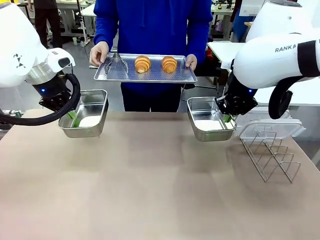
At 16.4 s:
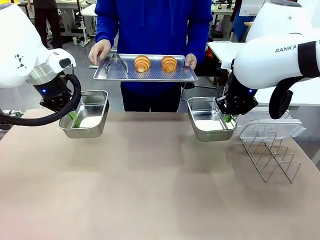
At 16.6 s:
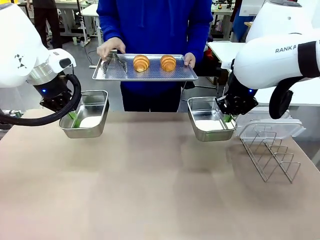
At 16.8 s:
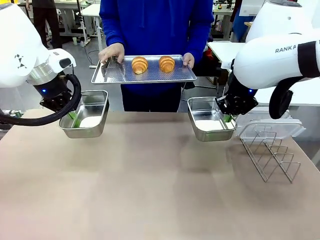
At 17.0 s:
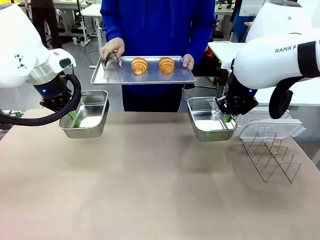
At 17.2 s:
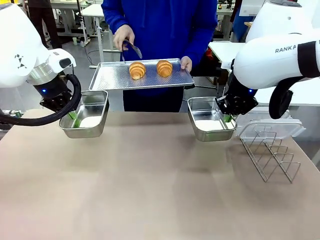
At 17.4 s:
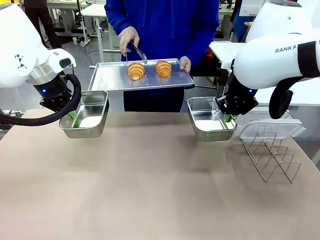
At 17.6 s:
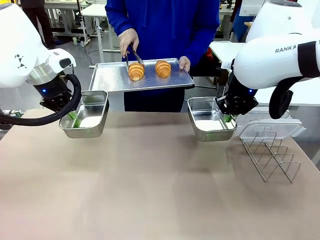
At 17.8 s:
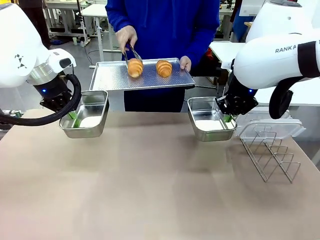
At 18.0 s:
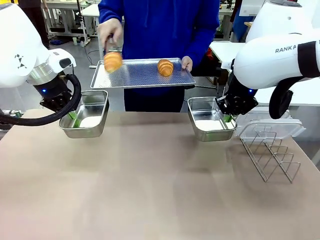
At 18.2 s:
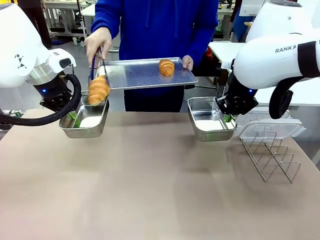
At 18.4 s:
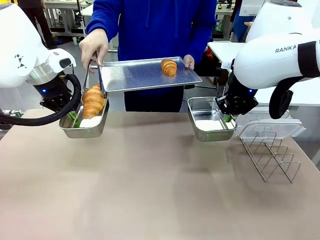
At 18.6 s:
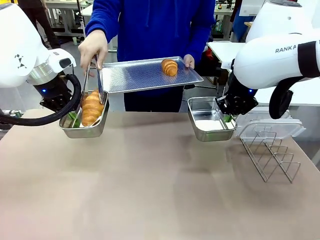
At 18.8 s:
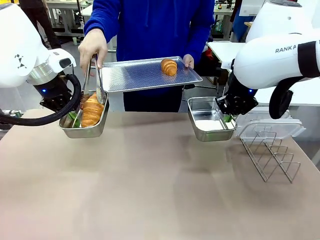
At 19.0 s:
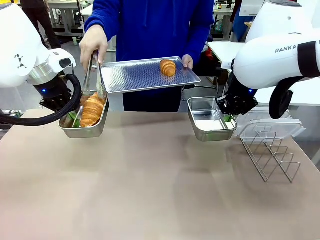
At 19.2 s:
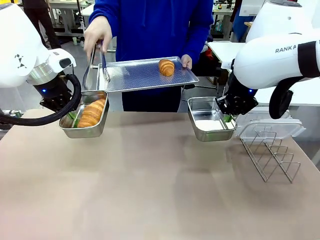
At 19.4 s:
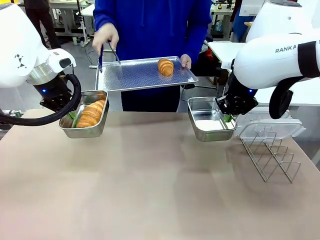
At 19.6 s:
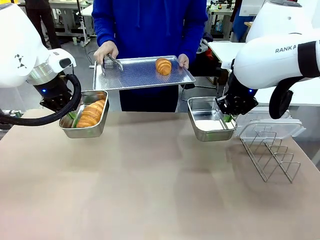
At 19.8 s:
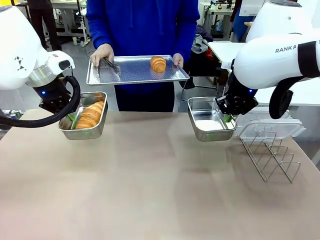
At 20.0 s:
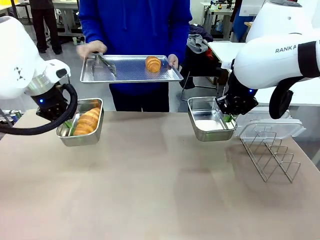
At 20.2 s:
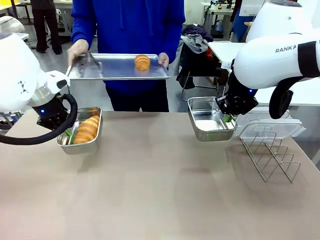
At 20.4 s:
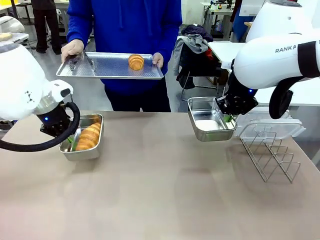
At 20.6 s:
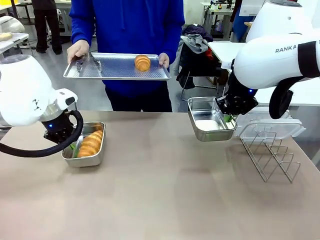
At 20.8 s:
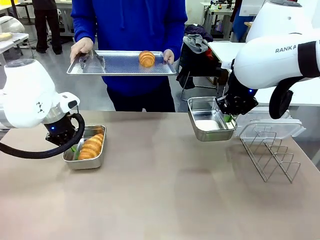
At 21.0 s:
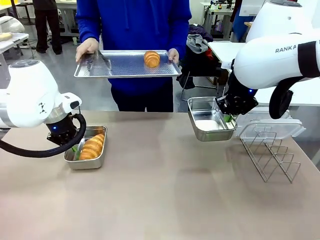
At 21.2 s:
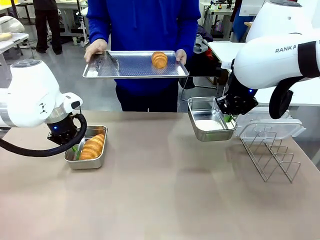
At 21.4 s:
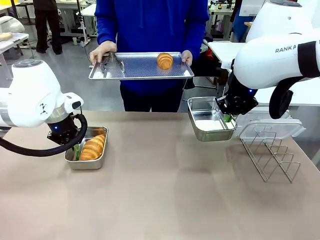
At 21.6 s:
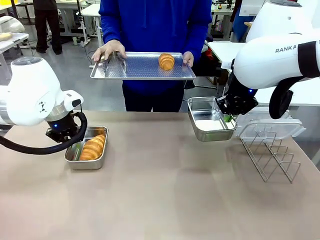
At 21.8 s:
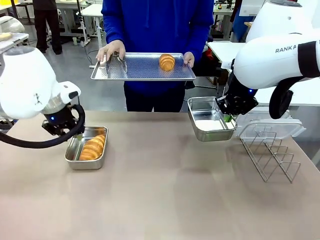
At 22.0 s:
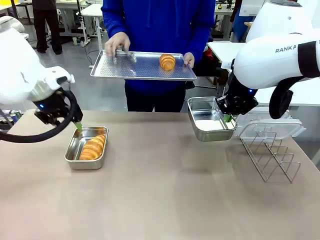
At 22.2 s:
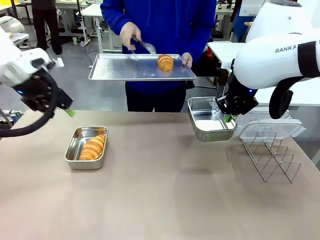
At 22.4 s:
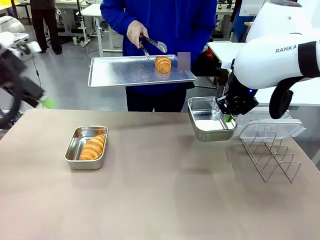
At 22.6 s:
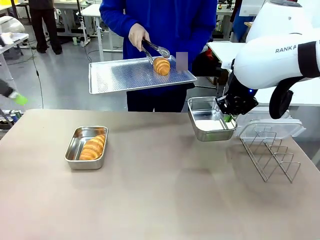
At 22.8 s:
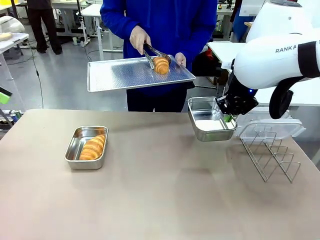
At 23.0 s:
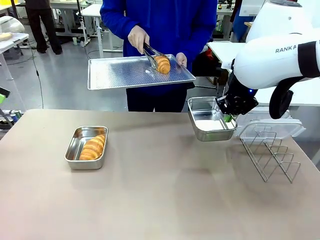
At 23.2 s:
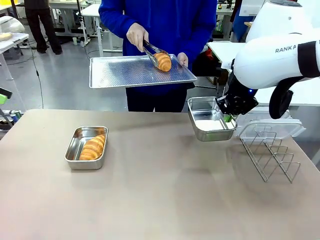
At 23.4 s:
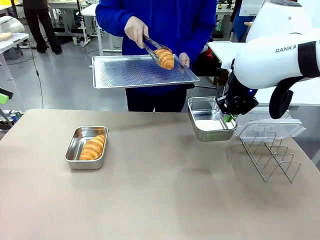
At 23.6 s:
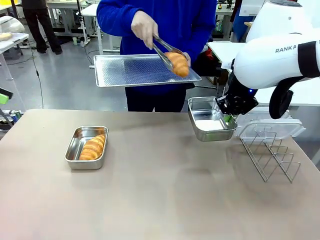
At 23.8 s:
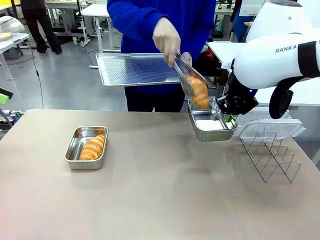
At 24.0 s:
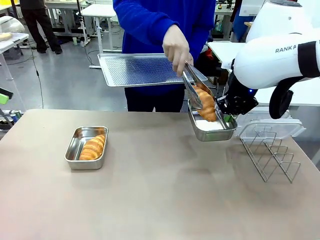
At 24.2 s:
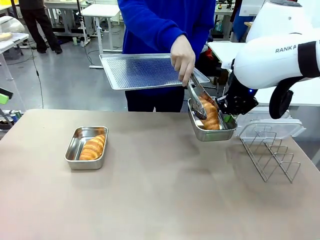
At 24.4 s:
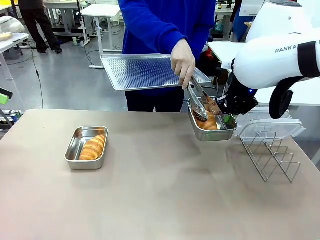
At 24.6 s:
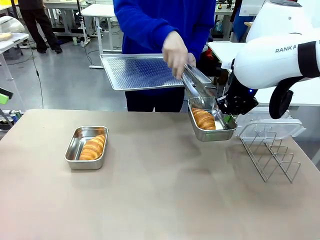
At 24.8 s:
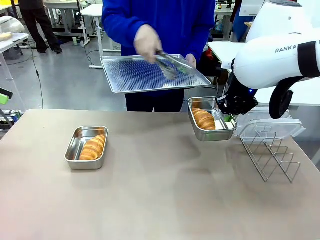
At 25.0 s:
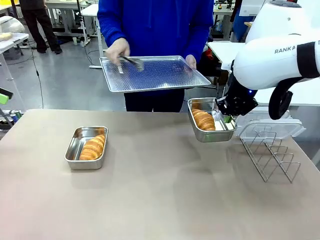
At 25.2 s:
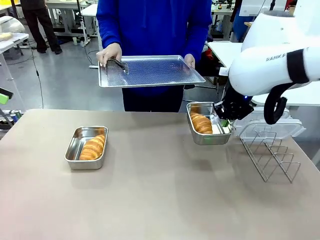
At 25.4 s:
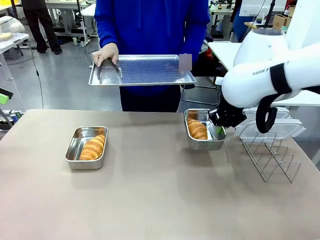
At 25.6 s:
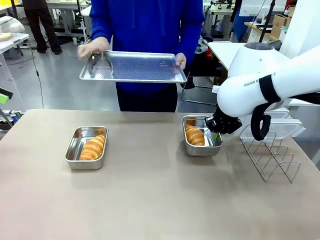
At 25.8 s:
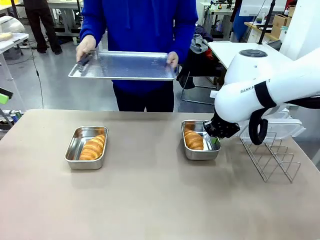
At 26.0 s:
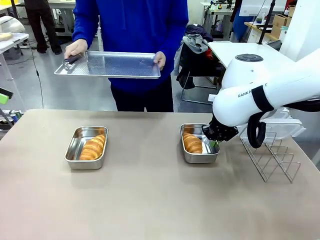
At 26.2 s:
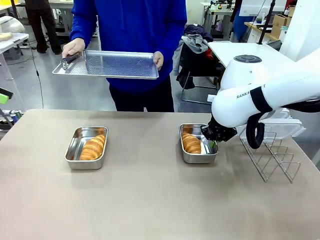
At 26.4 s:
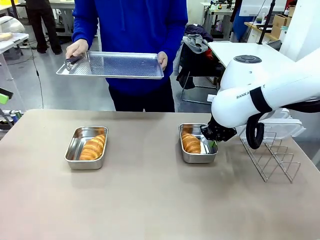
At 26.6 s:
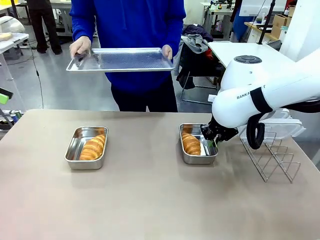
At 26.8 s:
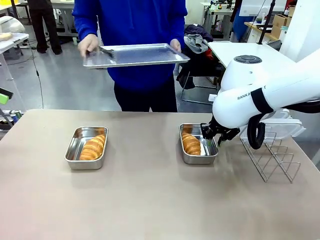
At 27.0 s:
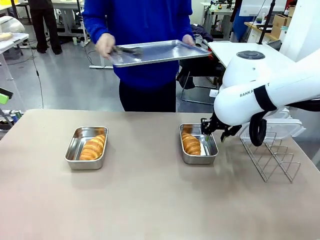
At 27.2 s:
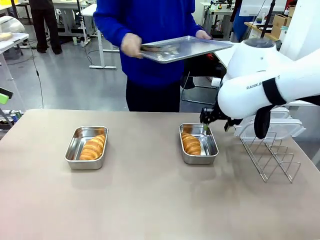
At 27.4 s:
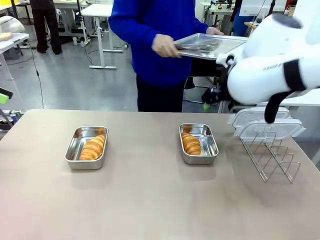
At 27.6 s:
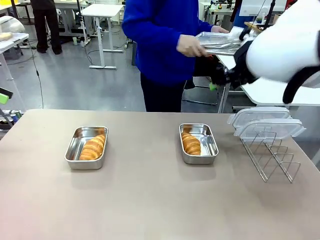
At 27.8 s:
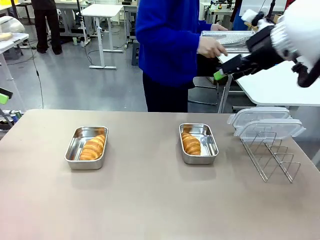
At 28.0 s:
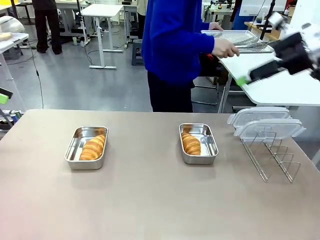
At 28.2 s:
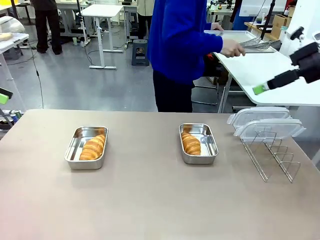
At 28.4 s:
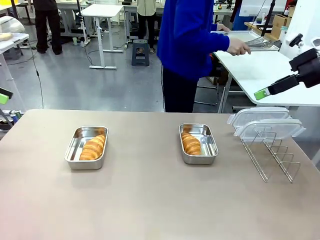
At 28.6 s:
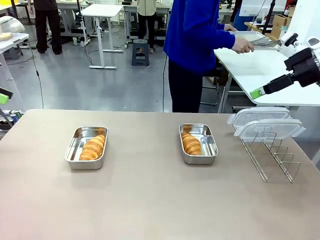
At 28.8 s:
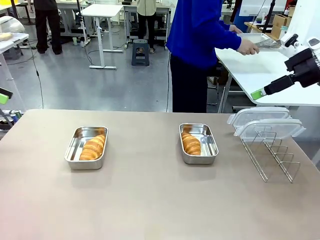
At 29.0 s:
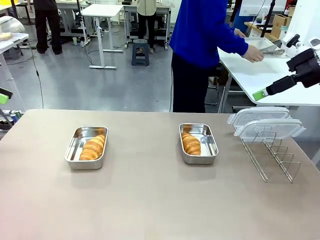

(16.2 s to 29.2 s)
Task: Place the bread in airtight containers.
Robot: Once an object is inside an Airtight Container , place the container in the center of the table.
Person: Use the Stainless steel tongs to place one object from Baking Sheet into one Airtight Container. Place Baking Sheet on the Human's Table.

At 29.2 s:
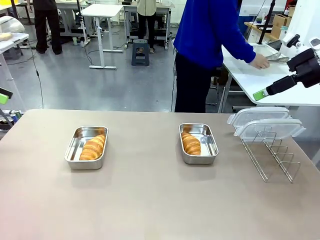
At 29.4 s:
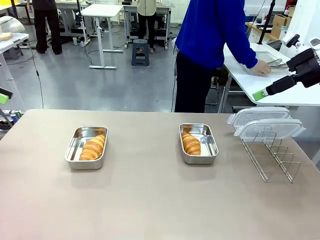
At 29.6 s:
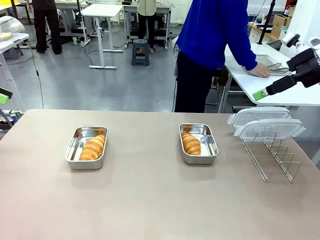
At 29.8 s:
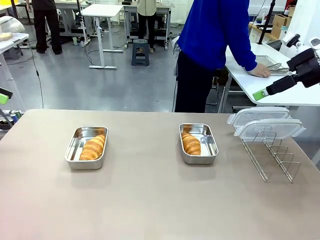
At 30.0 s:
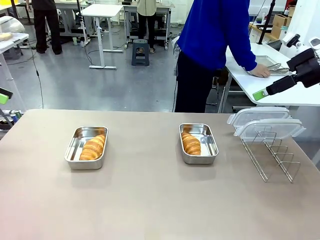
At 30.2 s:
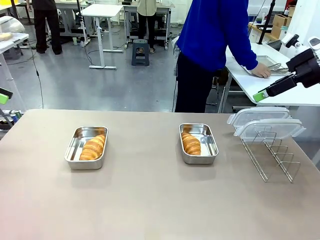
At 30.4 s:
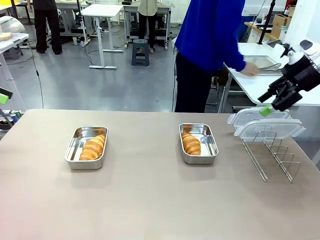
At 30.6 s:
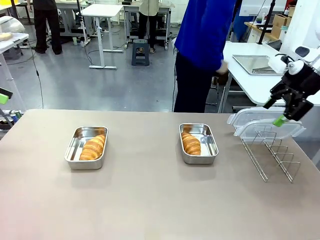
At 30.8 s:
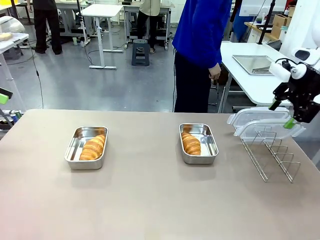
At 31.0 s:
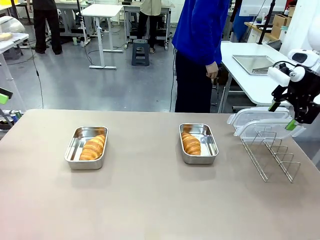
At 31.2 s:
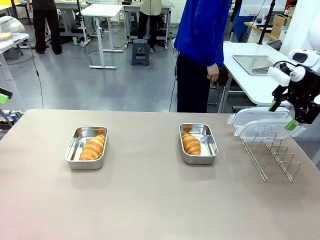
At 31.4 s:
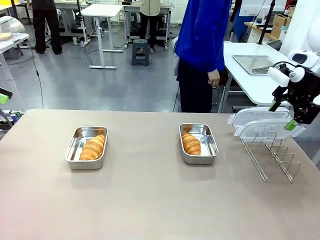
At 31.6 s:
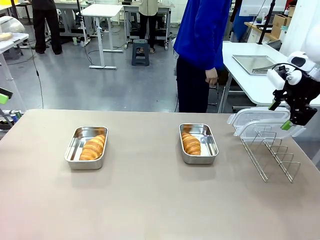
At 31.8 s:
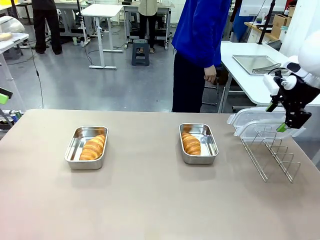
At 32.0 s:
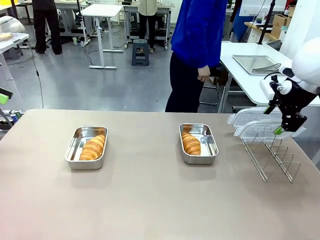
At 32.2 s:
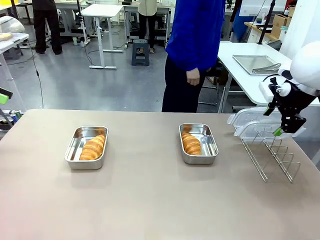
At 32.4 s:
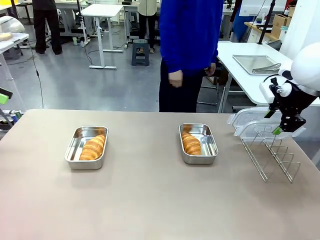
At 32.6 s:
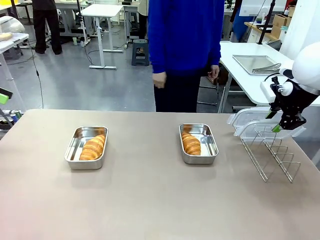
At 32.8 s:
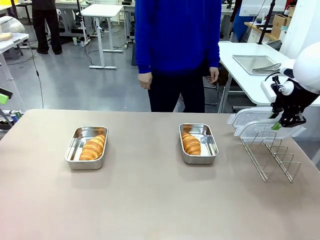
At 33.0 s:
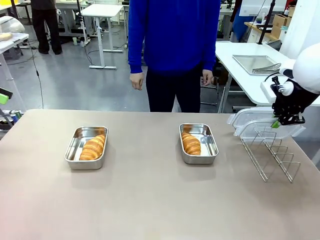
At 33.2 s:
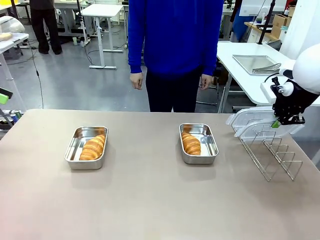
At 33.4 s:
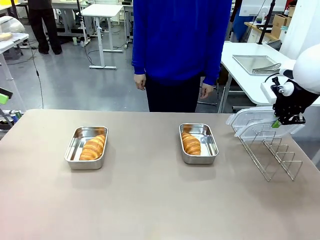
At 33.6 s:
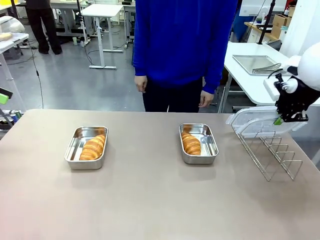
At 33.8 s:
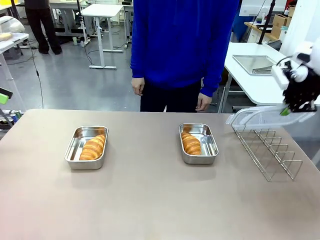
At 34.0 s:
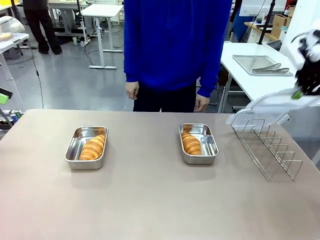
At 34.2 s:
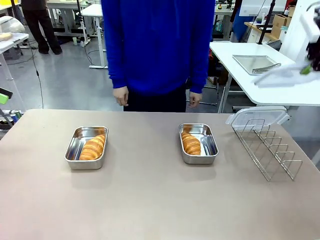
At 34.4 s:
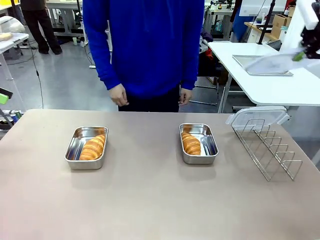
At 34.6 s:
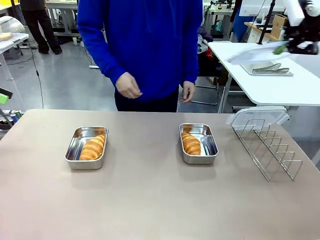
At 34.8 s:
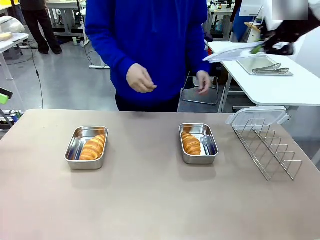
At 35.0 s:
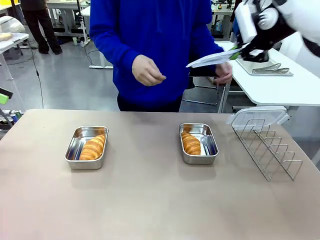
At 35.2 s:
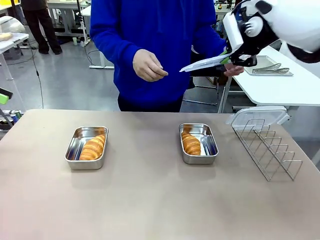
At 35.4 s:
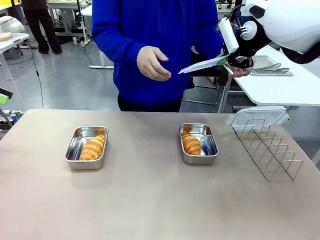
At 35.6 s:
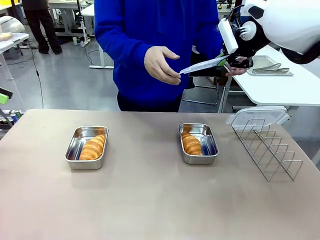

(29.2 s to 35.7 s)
Robot: Pick up one Airtight Container lid and hand it to the human.
Person: Grip Airtight Container lid that robot is handing.

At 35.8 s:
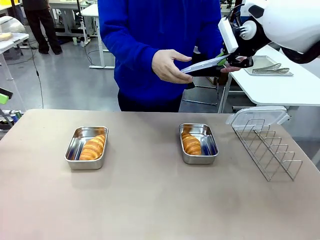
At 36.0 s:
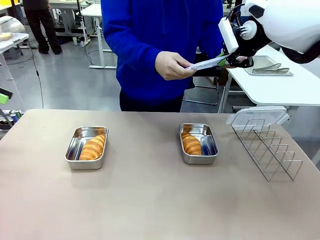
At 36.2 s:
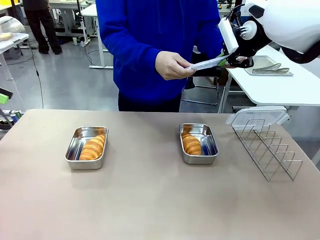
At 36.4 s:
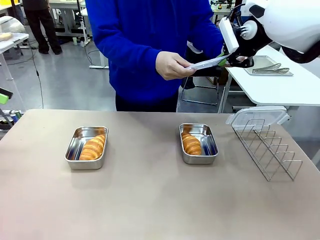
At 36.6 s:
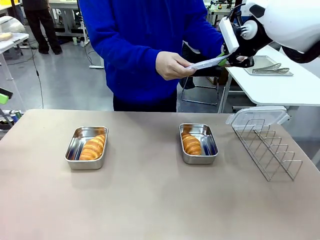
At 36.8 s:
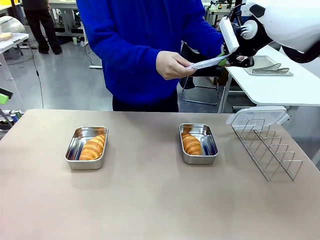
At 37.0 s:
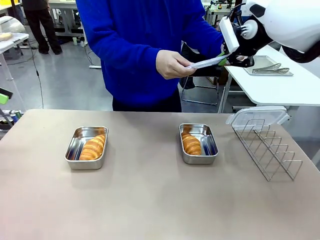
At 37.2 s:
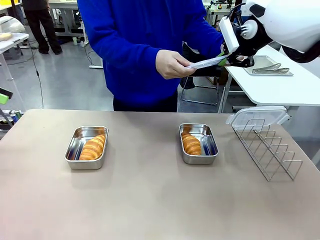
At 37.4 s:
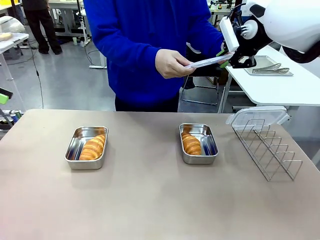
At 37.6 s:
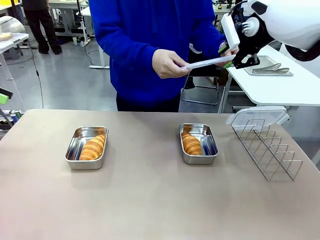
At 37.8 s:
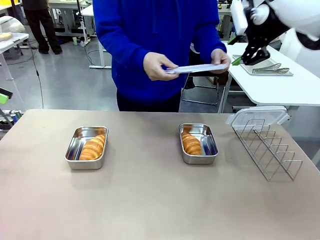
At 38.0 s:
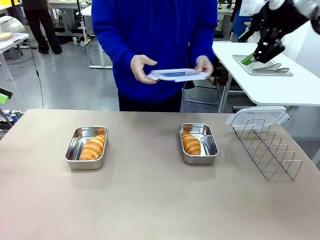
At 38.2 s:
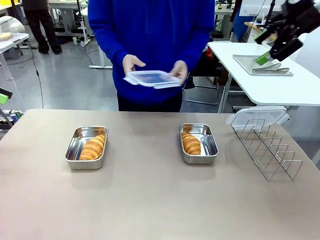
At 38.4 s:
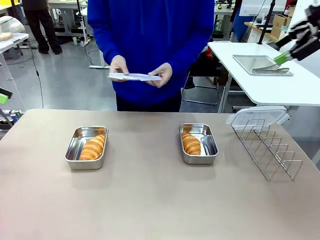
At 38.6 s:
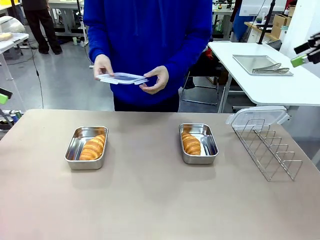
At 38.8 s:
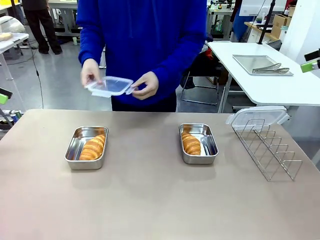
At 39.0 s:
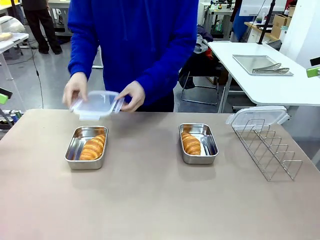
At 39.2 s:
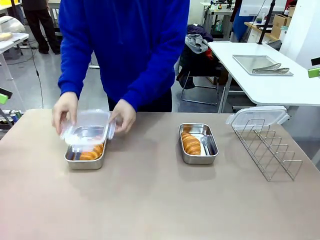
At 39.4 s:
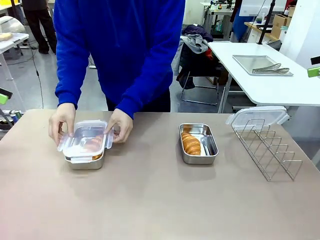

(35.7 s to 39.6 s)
Robot: Release when the human grabs the Airtight Container lid.
